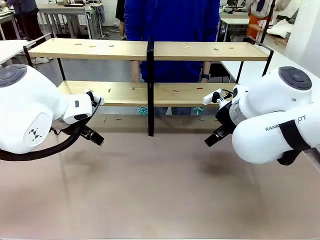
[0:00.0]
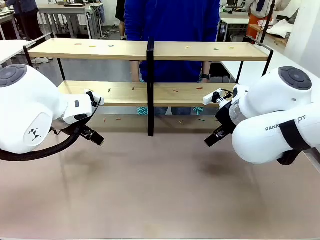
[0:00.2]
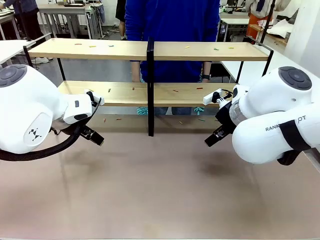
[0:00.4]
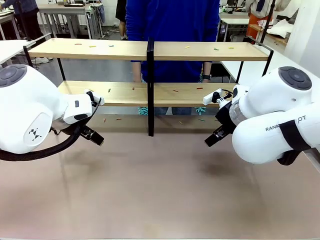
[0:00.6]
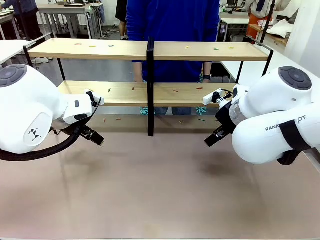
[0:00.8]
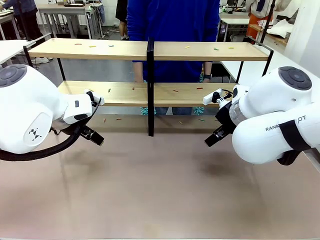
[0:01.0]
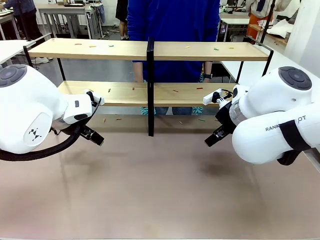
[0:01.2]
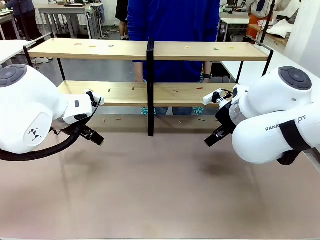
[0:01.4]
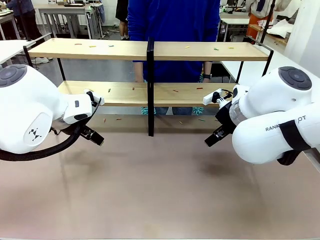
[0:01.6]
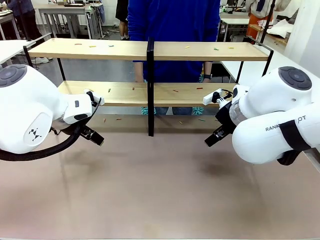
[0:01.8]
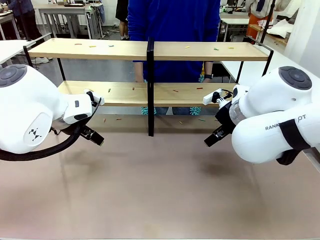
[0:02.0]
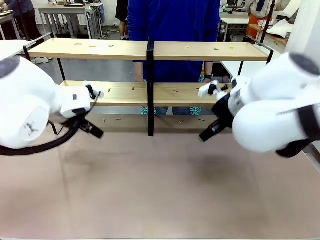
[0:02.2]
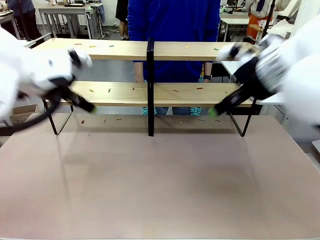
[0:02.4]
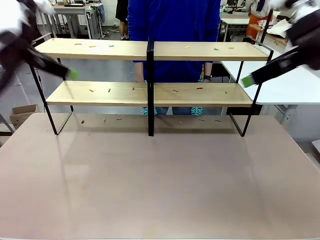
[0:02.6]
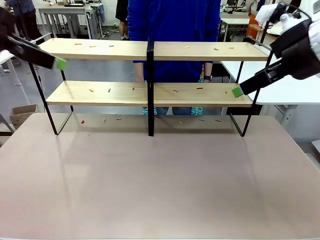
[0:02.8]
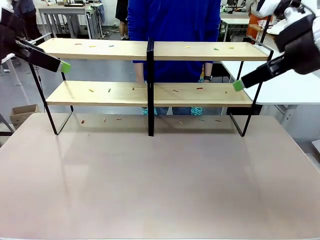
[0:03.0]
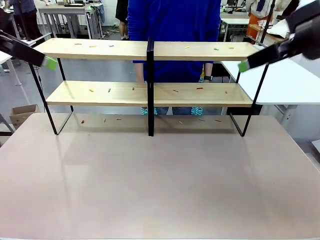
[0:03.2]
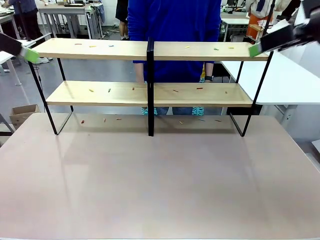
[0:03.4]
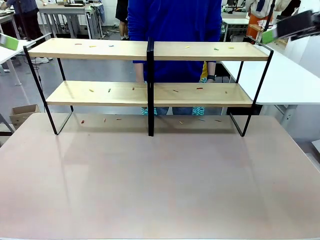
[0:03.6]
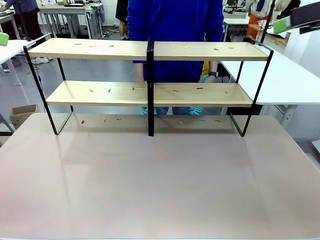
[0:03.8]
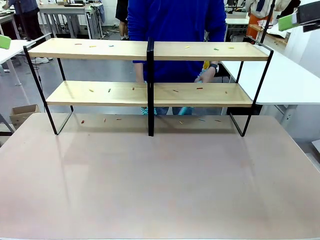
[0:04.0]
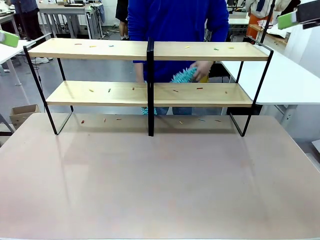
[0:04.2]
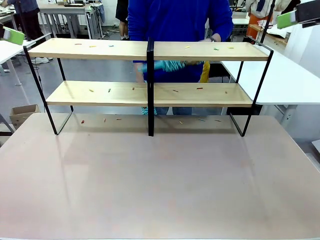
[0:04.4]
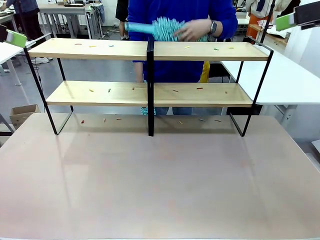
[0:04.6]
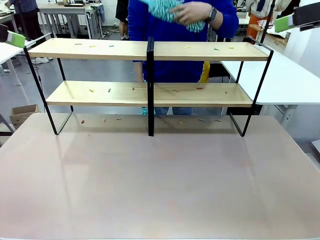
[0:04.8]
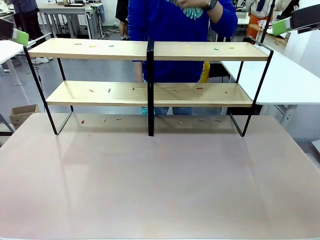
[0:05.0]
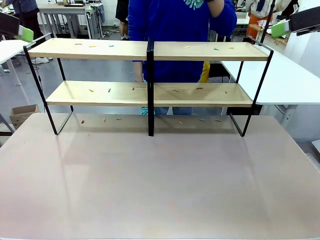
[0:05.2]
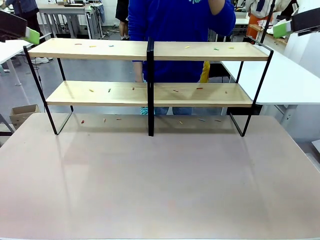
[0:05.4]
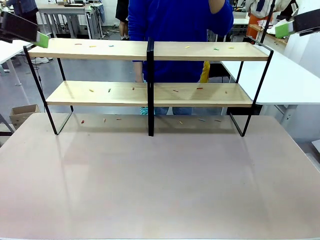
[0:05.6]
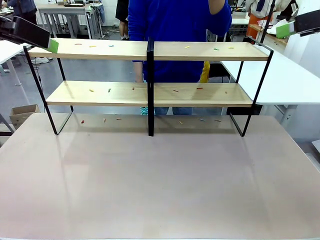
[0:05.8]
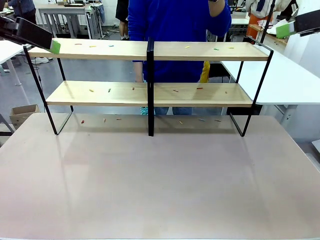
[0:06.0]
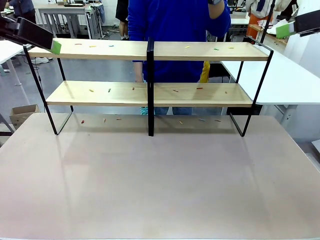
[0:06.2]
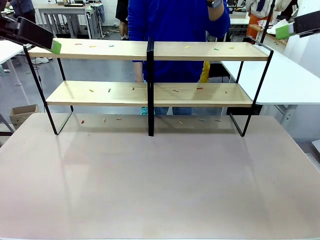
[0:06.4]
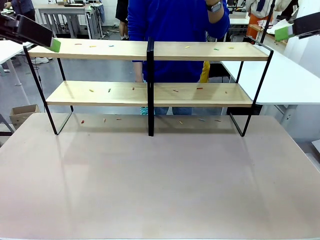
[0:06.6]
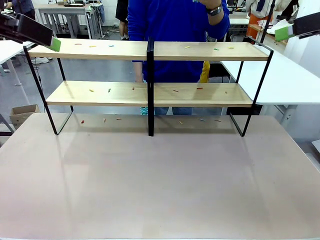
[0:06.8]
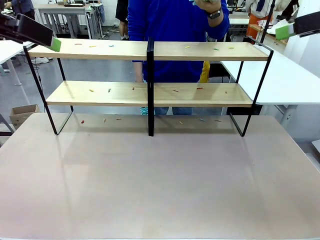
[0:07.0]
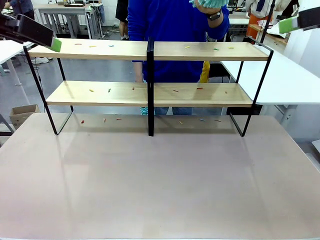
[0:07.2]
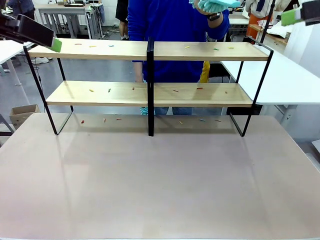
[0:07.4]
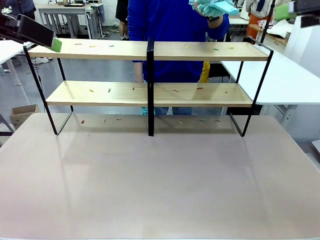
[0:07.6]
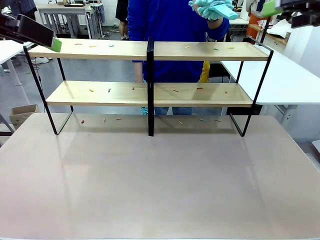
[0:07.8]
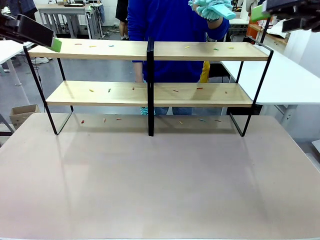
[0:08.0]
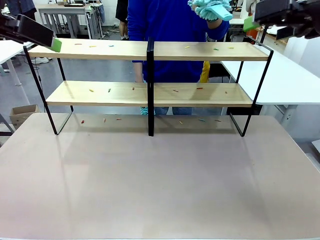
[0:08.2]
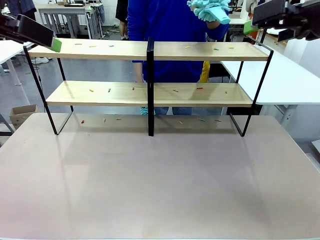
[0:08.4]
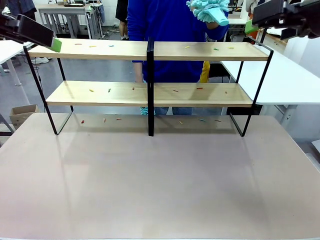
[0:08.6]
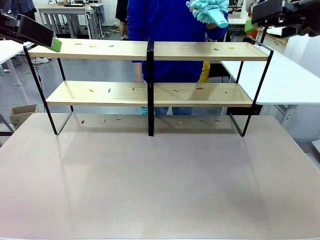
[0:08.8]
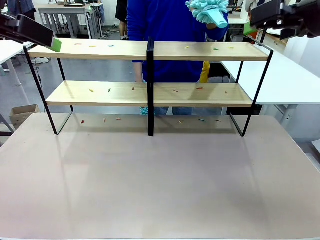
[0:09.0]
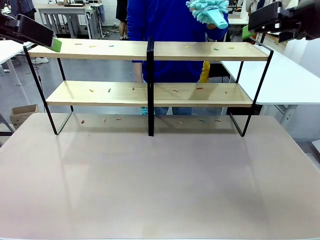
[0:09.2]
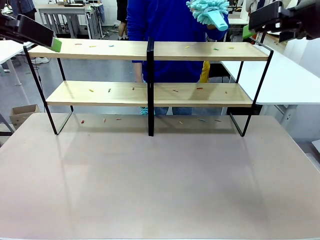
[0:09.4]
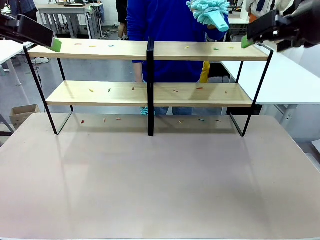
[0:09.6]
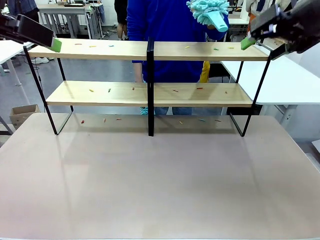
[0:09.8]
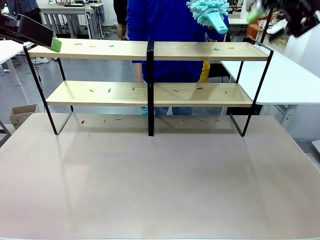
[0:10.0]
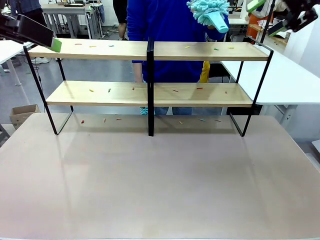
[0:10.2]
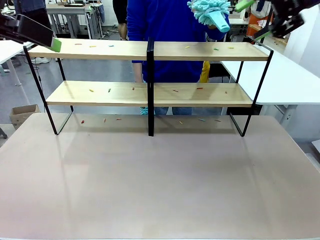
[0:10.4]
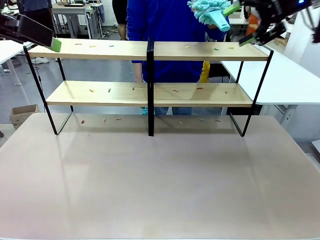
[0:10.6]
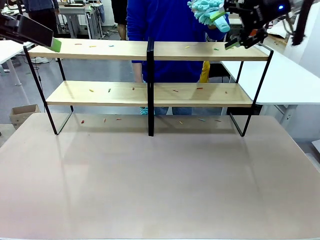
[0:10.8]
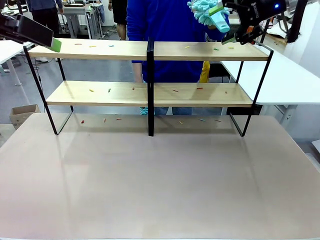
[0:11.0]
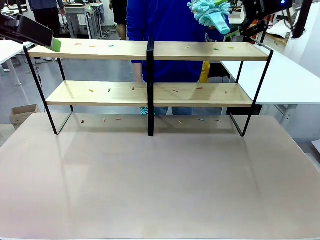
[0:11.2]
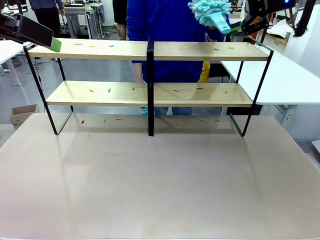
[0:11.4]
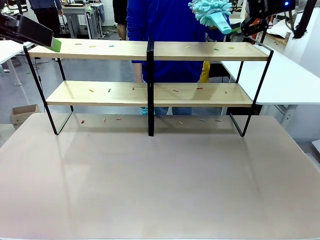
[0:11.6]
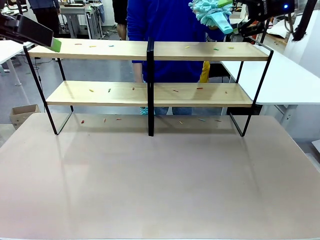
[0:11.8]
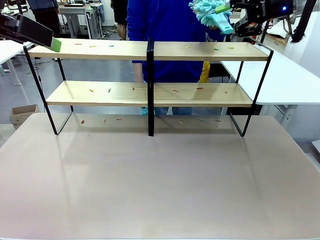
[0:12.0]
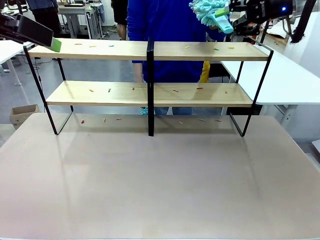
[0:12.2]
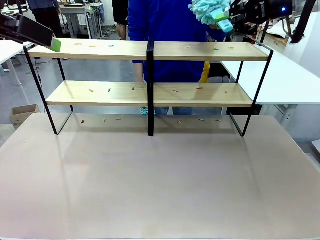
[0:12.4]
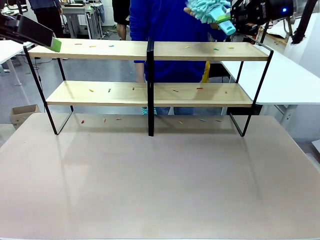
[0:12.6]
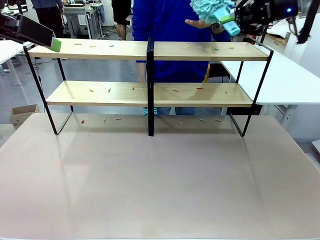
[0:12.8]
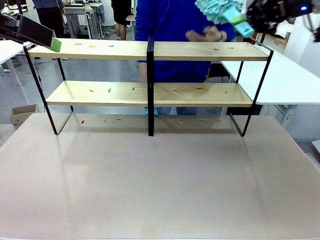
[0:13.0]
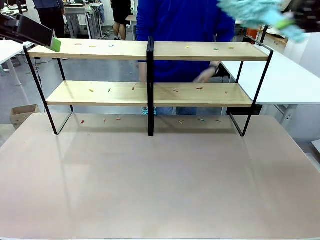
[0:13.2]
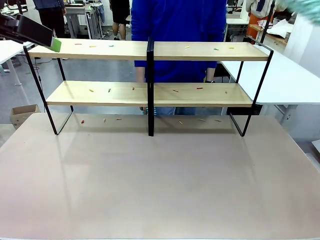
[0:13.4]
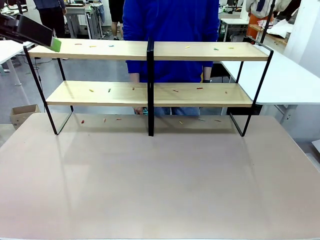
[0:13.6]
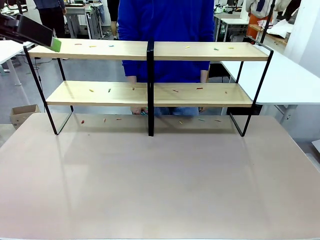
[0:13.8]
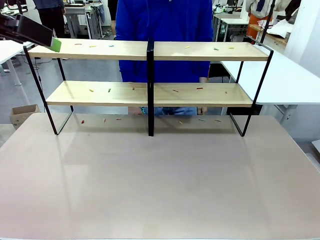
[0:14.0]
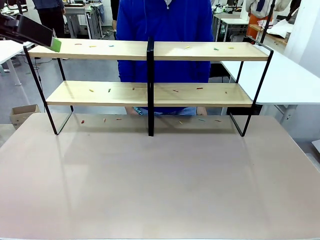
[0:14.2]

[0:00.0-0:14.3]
Task: Clean the shelves.
Robot: Pick up the Duster when the human hands it over.
Person: Hand the Duster to the robot with your right (or left) hand.

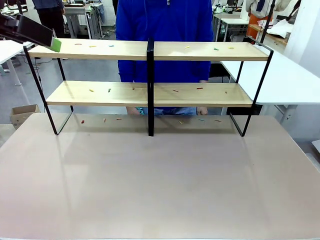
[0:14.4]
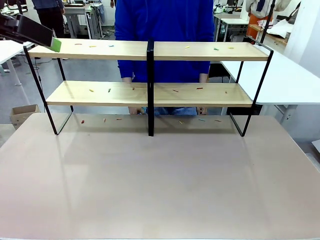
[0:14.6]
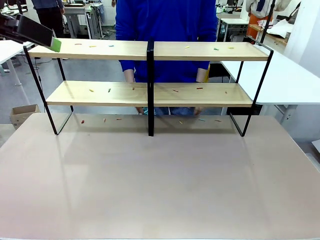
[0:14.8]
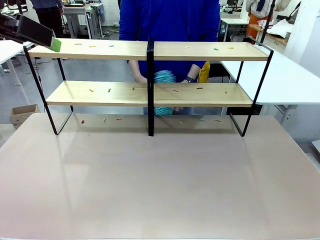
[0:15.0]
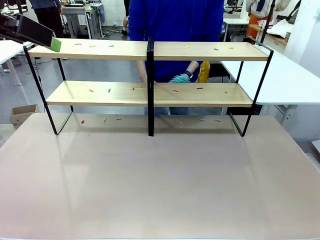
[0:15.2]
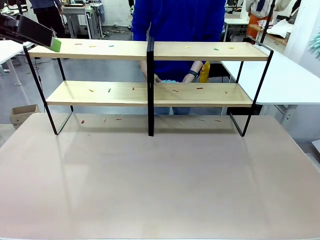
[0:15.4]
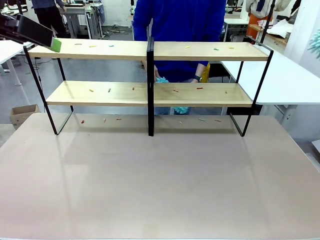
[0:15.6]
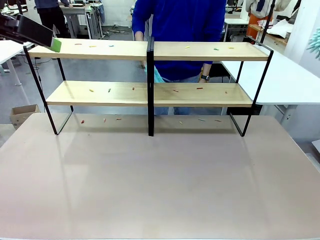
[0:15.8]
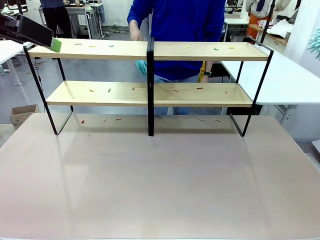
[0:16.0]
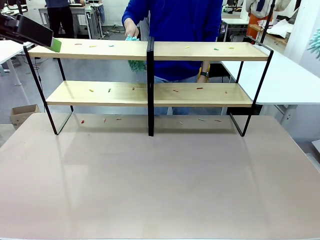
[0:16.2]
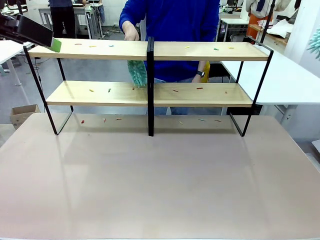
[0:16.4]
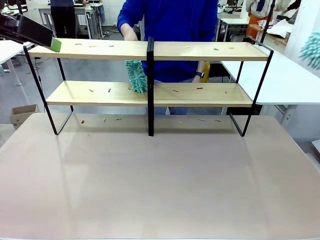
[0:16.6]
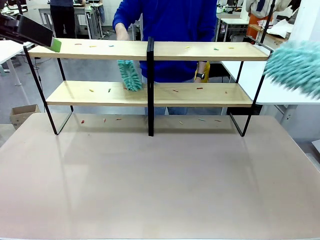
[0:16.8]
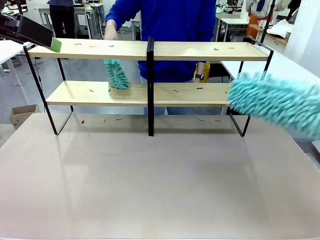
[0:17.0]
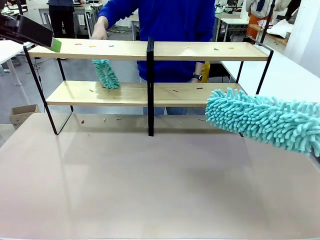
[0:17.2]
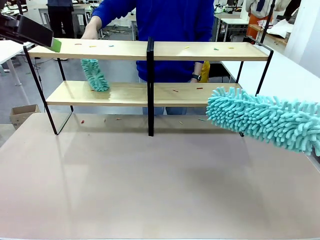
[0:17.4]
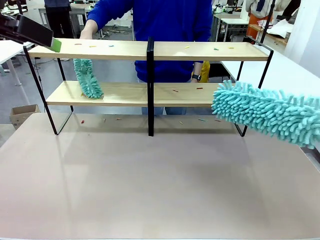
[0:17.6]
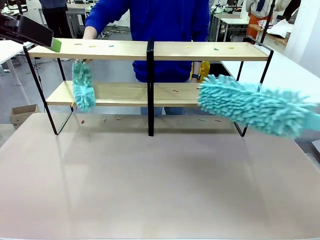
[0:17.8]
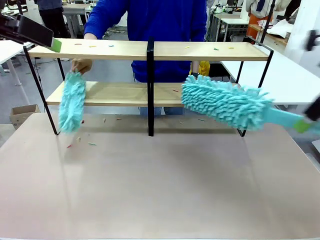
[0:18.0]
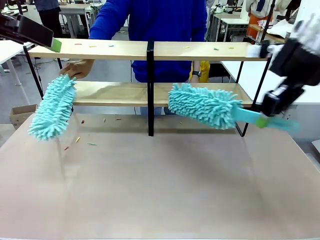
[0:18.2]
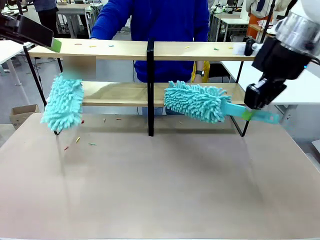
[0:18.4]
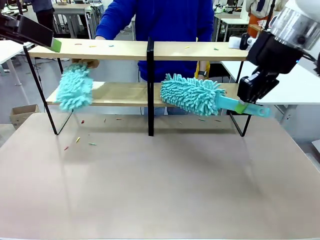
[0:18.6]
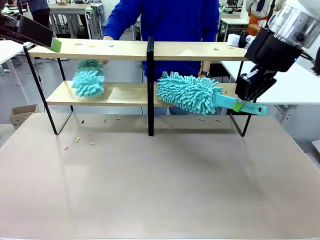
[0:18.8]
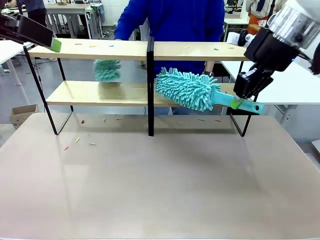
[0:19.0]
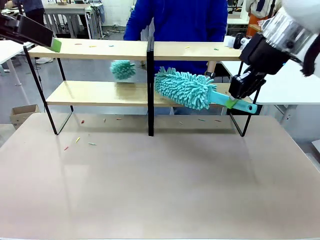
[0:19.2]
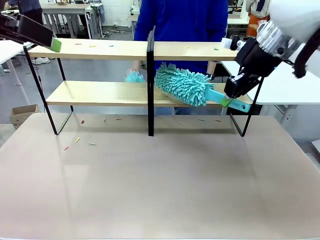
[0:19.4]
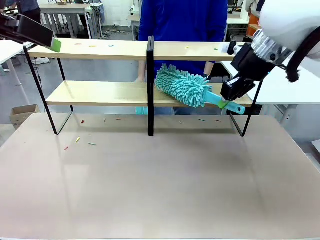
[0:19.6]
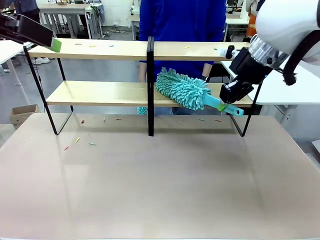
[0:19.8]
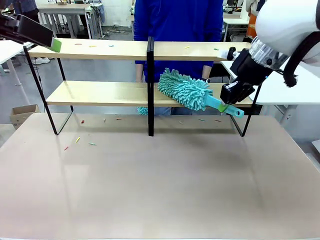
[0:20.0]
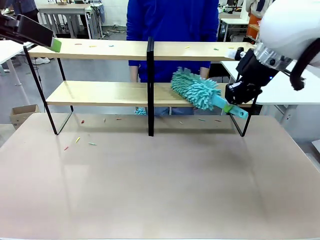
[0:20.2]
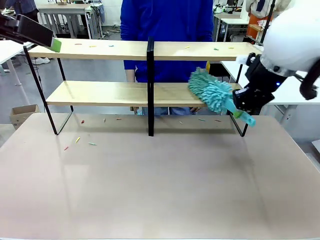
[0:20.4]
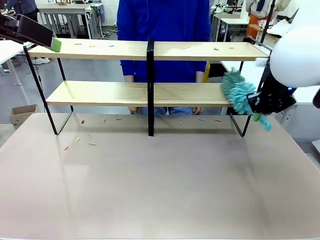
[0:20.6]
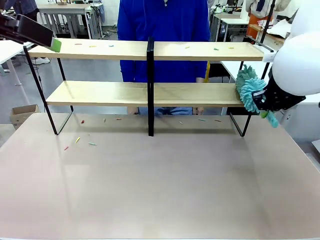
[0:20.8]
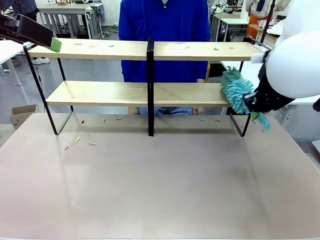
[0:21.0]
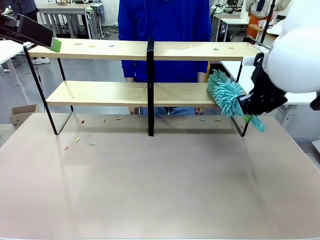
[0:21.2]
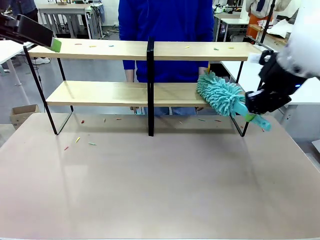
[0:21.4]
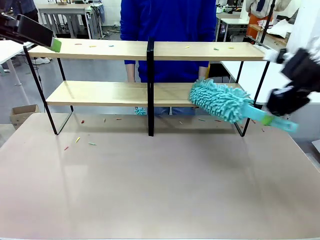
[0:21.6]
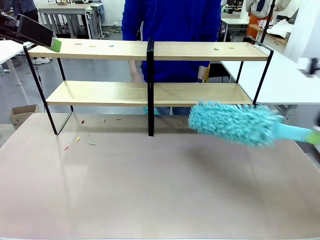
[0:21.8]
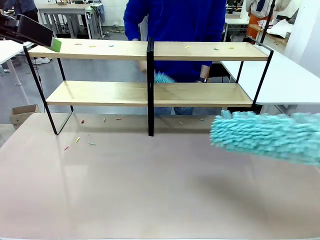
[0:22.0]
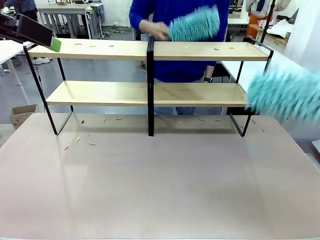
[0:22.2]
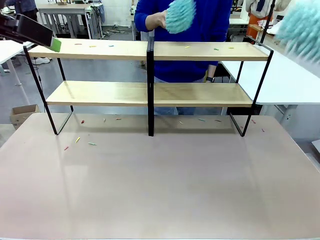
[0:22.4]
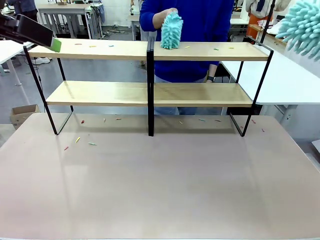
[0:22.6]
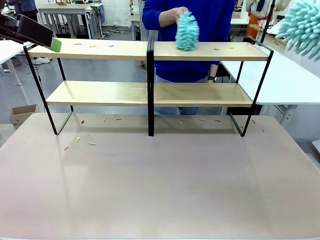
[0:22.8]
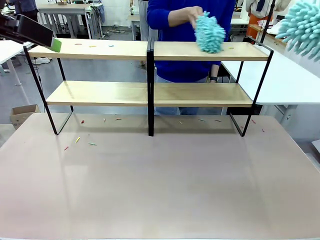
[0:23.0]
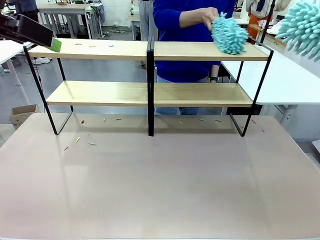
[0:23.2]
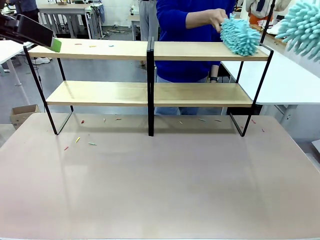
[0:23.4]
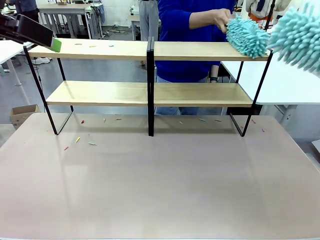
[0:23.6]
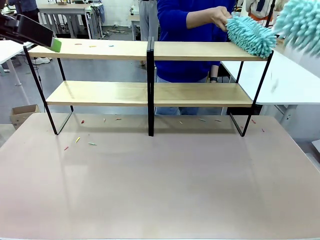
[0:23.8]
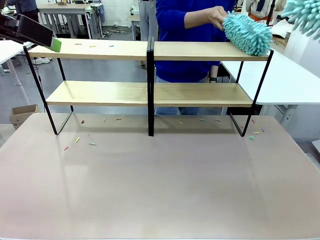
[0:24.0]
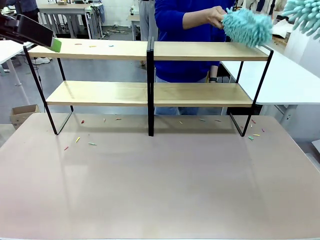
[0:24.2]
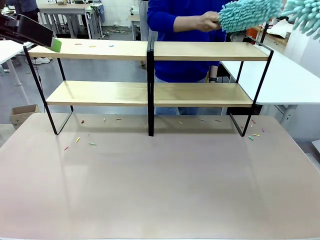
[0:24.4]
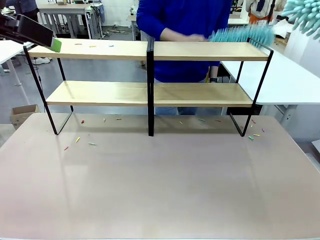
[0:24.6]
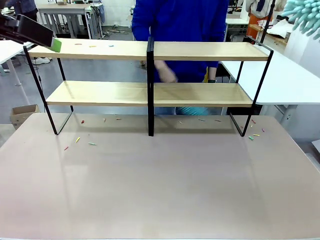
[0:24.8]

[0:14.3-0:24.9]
Robot: Clean a randomly selected level of the Shelf with the Duster.
